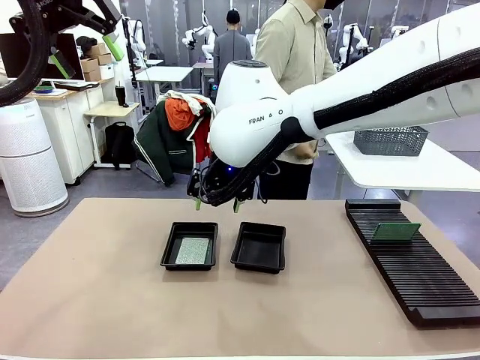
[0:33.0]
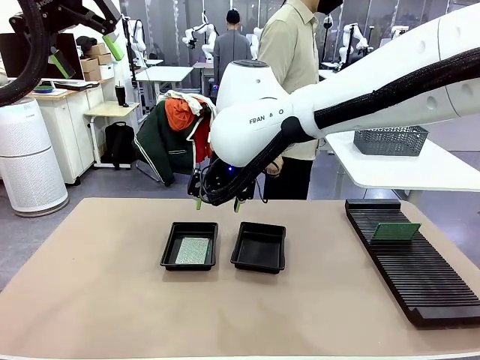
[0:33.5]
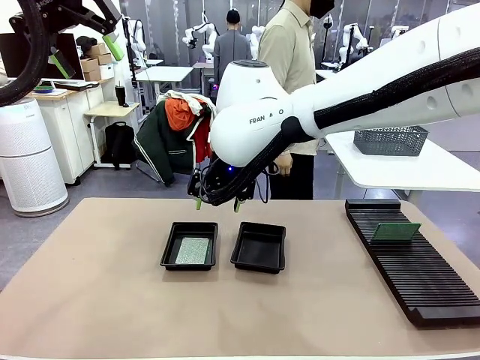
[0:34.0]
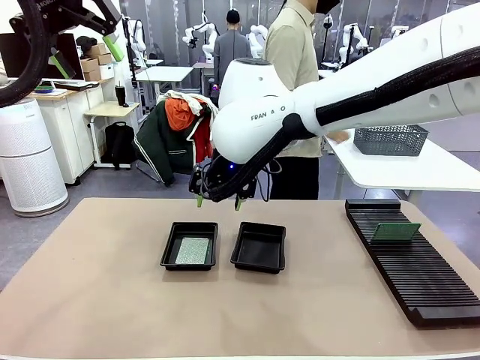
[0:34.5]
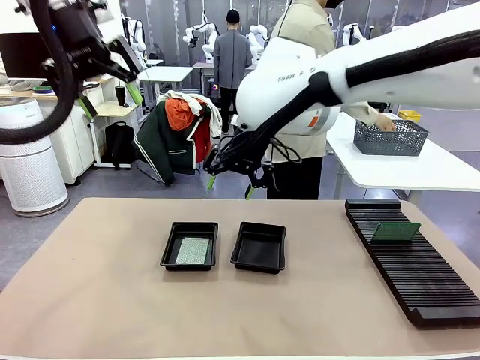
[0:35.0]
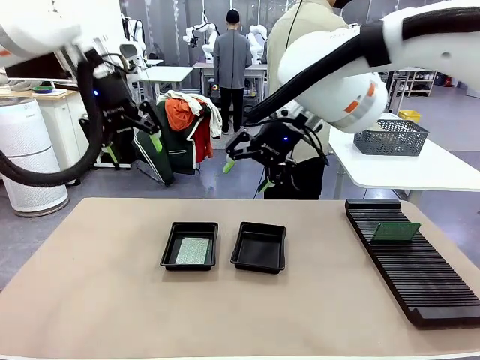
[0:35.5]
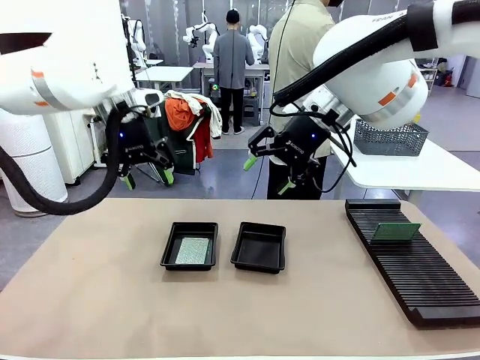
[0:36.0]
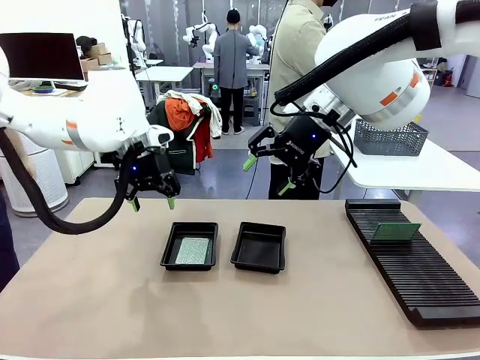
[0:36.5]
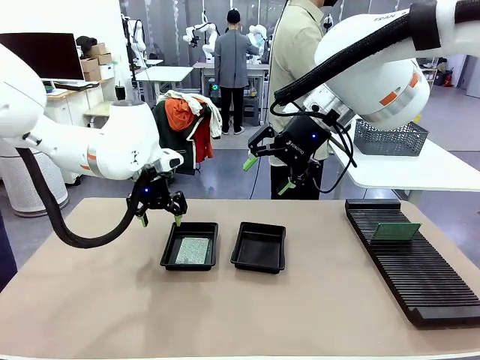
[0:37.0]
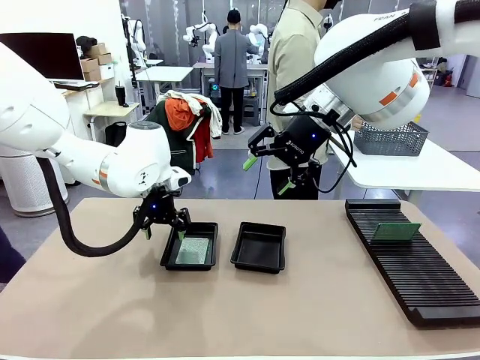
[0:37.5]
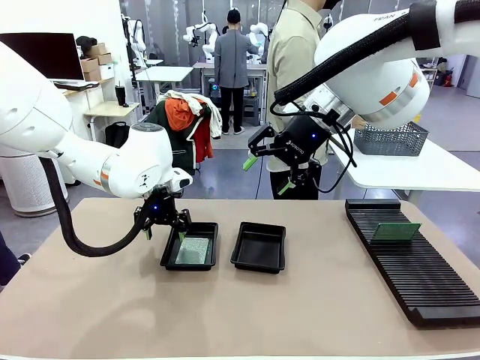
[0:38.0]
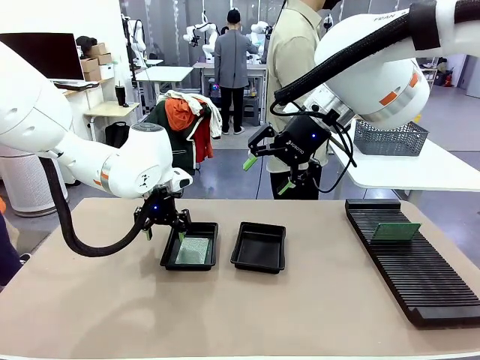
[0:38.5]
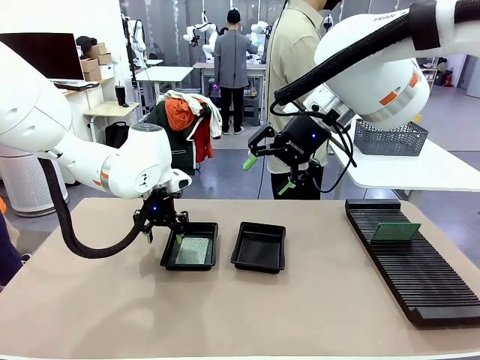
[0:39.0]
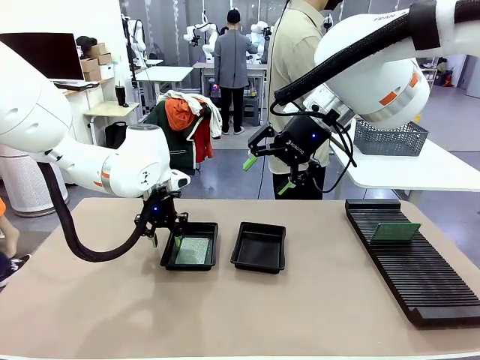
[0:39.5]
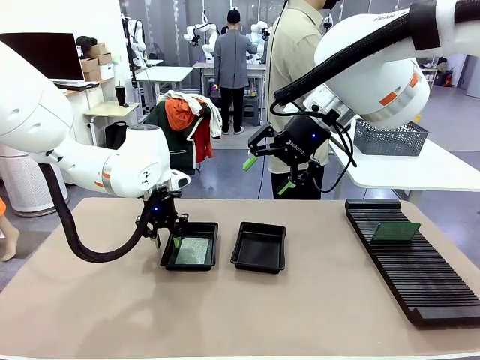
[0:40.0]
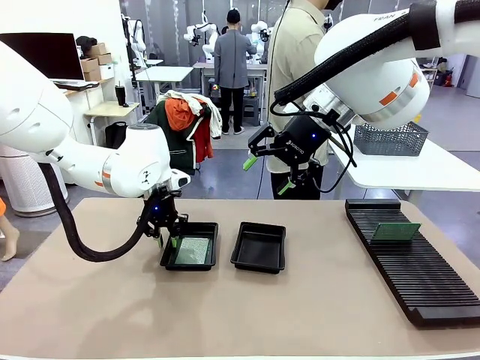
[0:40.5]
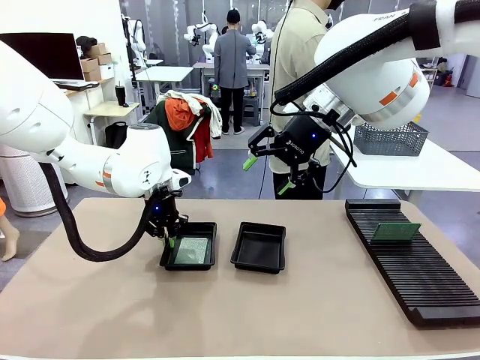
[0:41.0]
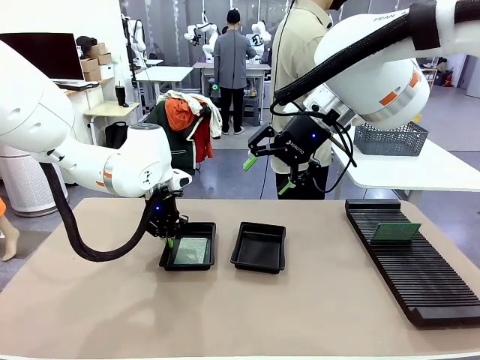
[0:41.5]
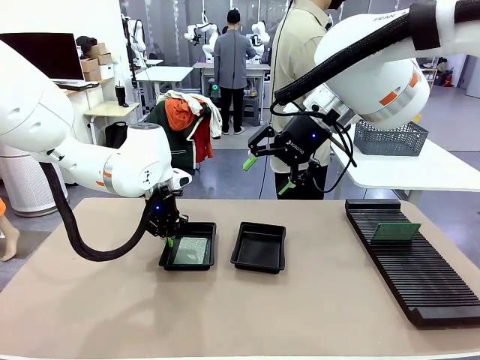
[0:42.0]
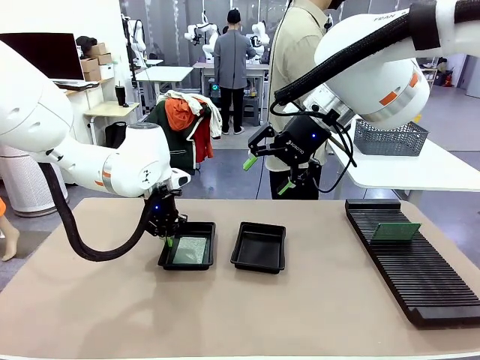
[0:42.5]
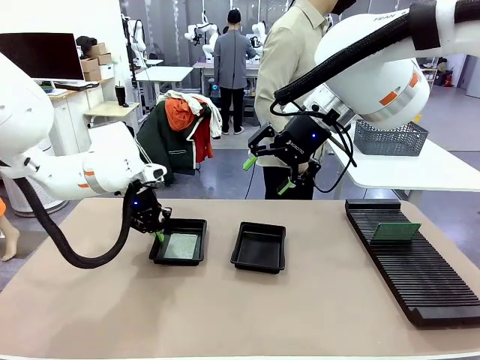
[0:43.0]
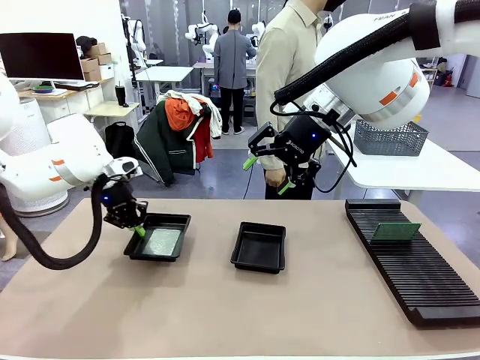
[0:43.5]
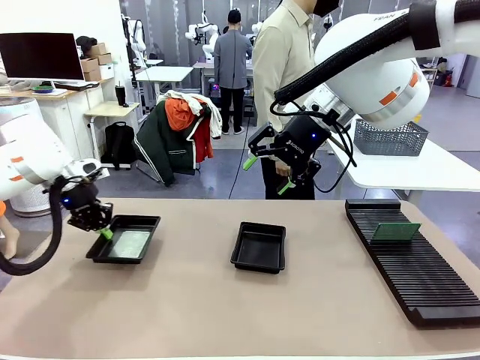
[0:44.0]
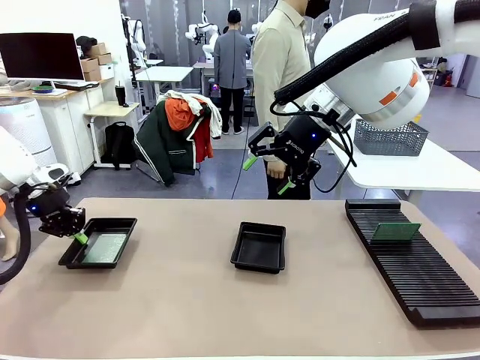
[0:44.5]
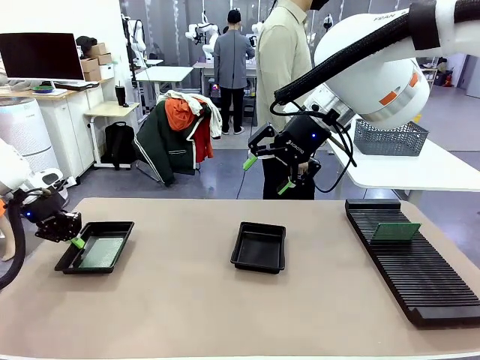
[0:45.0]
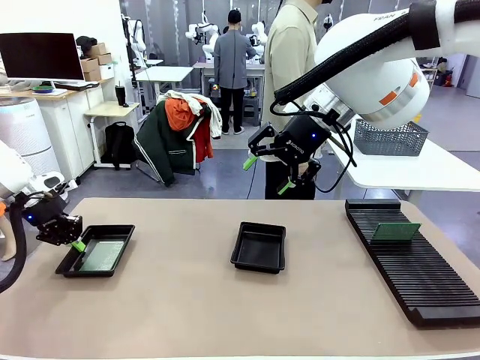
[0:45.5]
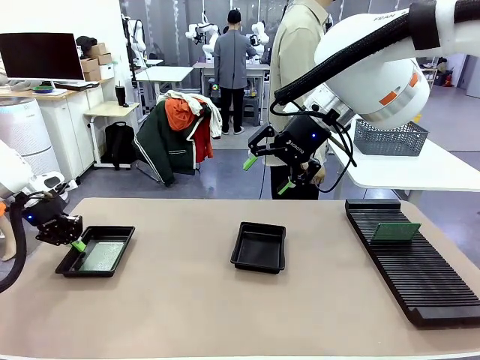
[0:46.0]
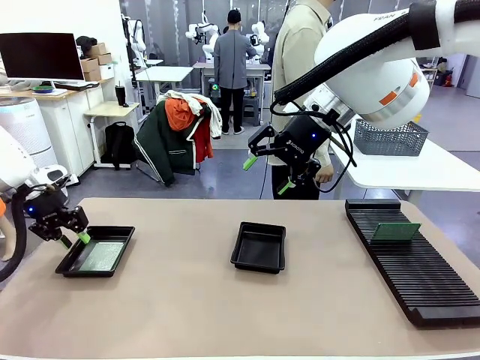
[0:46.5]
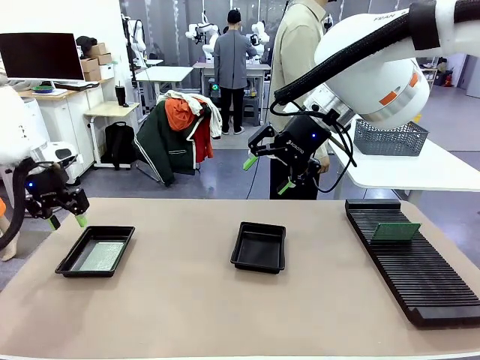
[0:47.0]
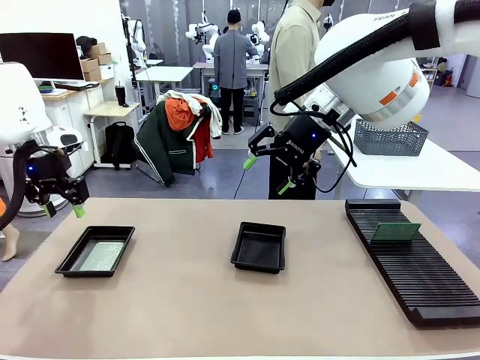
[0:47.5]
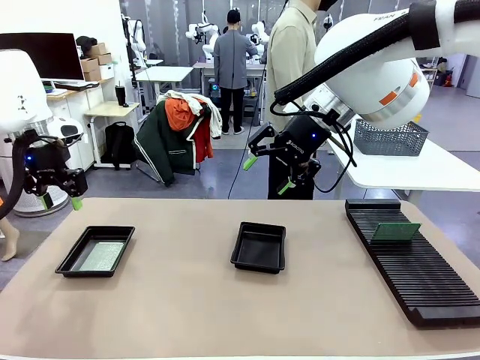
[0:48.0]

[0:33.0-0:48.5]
Task: Inspect and transfer BCBs to ESD trays.
Robot: Pick up the ESD tray and place it on the left side of the table.

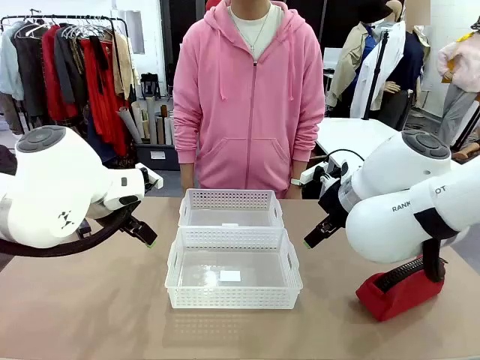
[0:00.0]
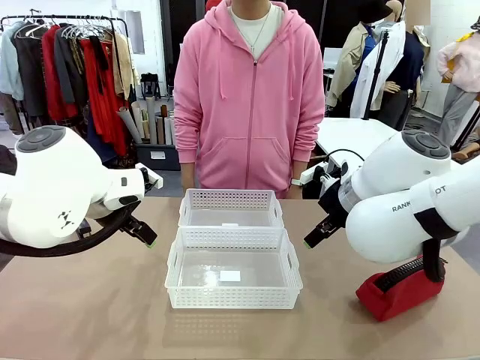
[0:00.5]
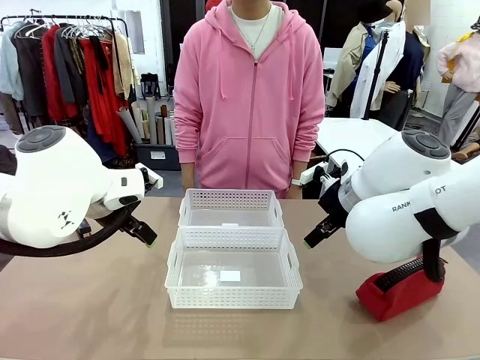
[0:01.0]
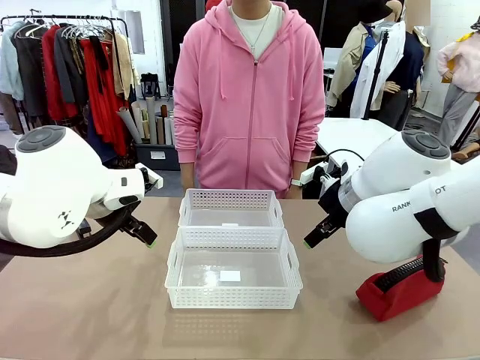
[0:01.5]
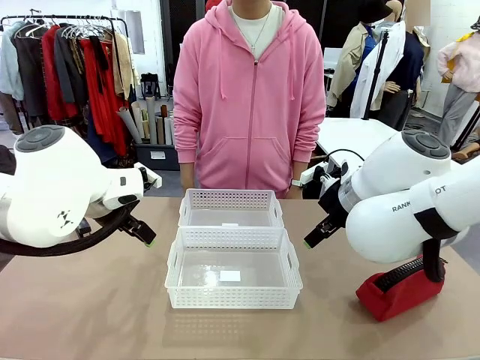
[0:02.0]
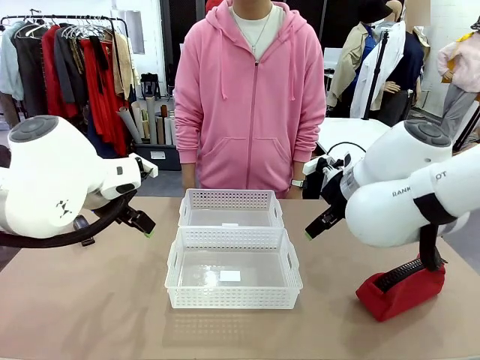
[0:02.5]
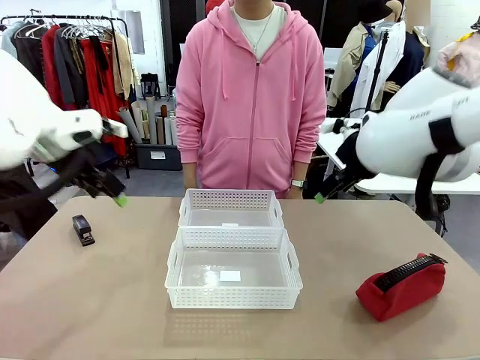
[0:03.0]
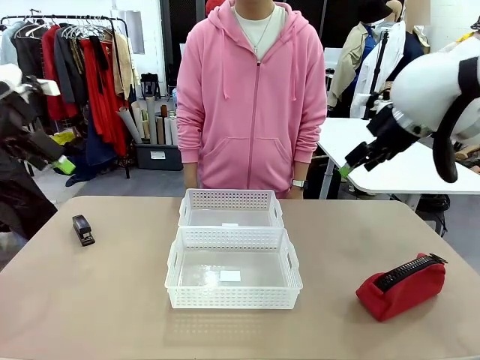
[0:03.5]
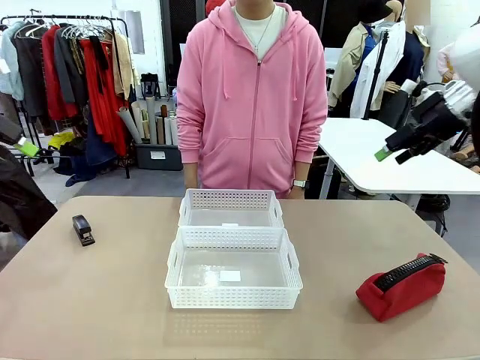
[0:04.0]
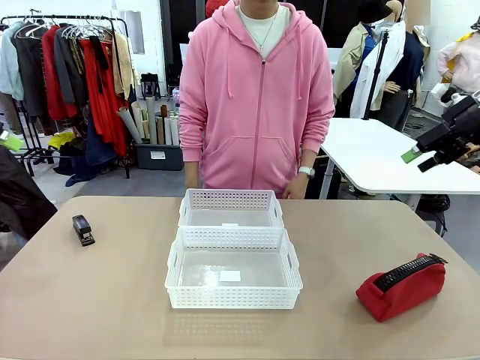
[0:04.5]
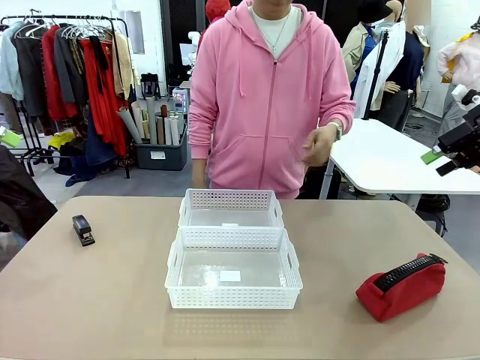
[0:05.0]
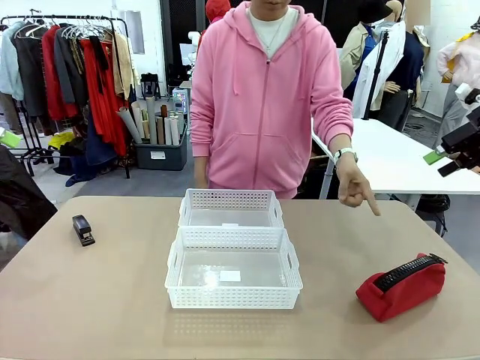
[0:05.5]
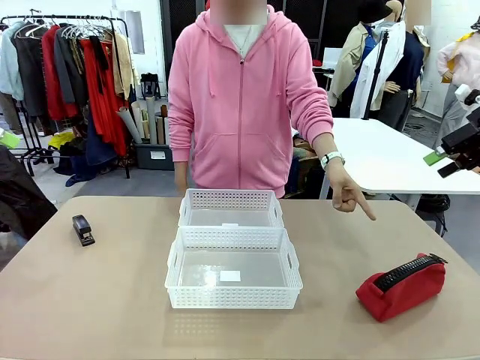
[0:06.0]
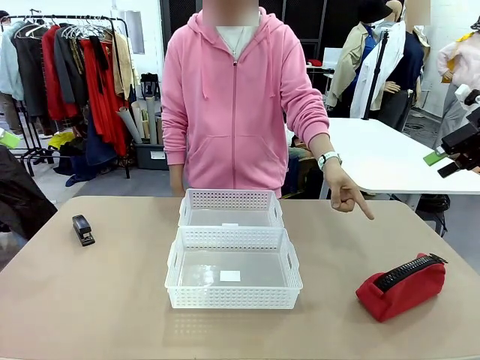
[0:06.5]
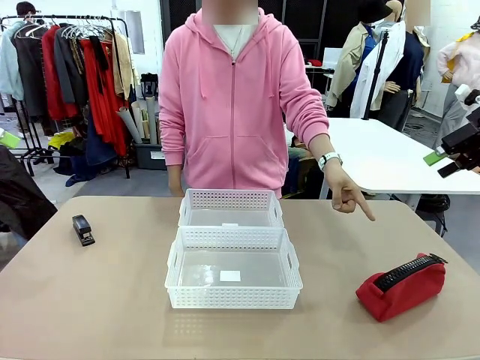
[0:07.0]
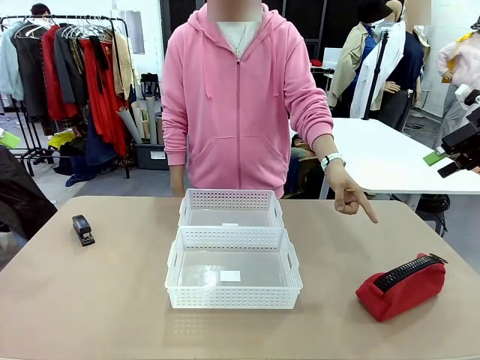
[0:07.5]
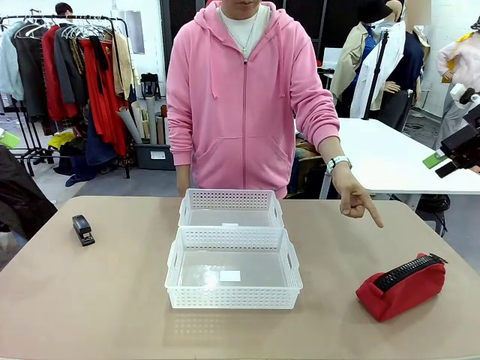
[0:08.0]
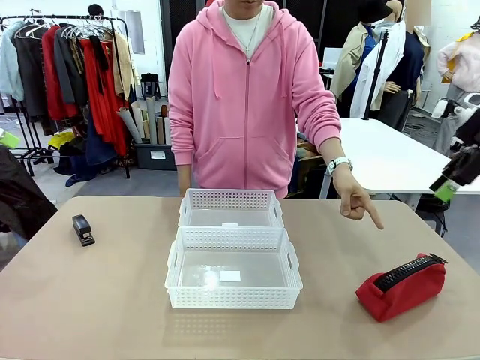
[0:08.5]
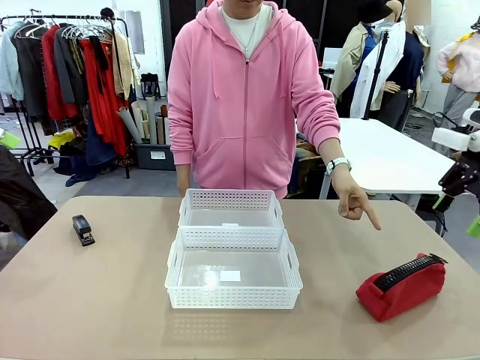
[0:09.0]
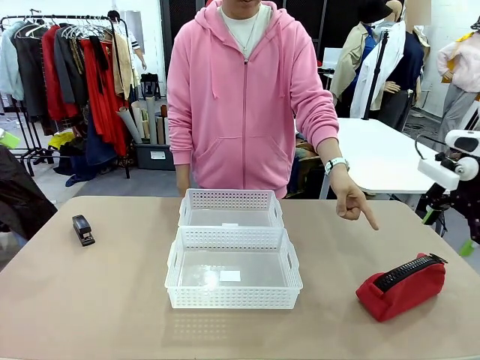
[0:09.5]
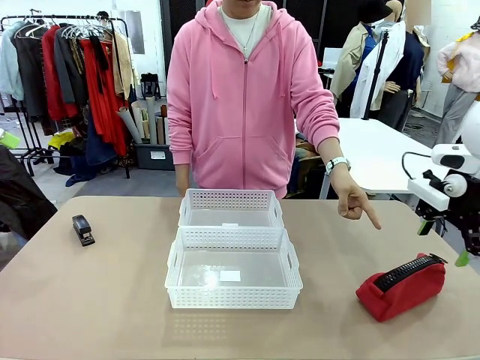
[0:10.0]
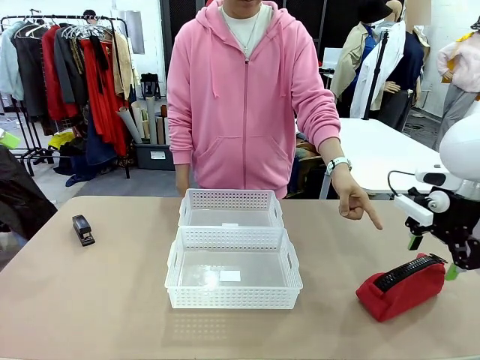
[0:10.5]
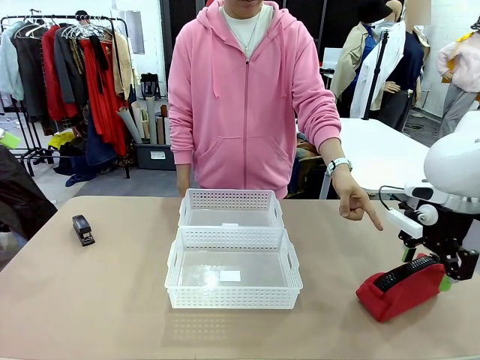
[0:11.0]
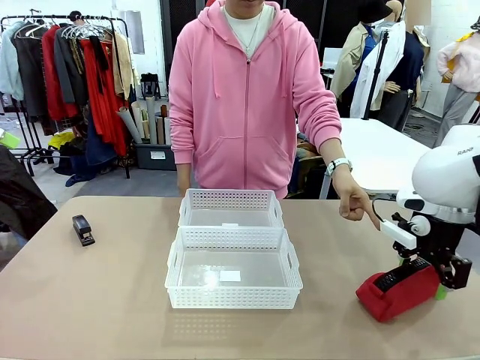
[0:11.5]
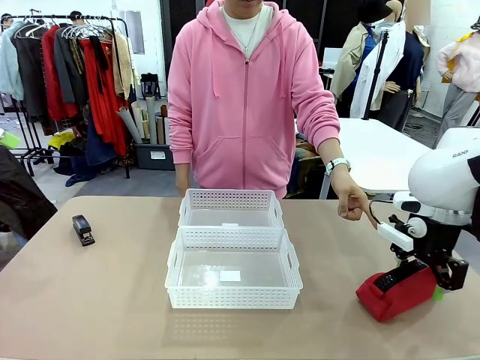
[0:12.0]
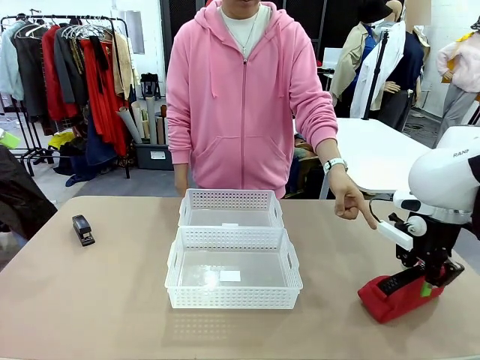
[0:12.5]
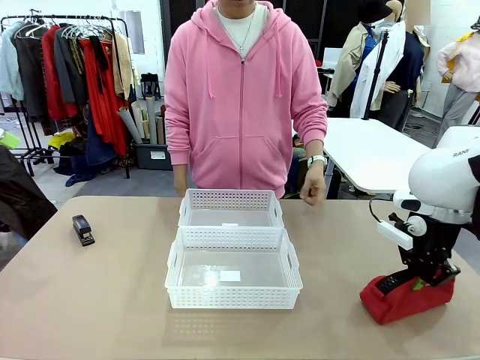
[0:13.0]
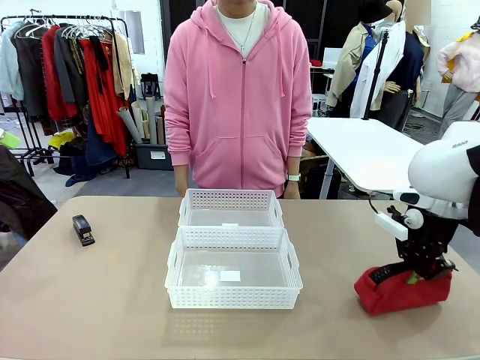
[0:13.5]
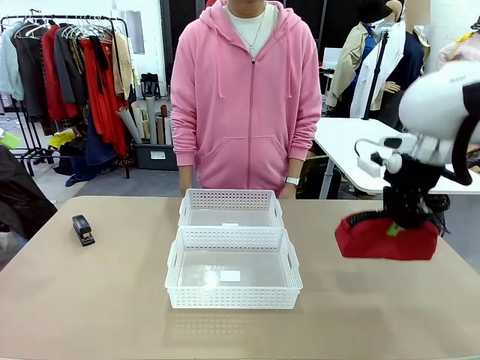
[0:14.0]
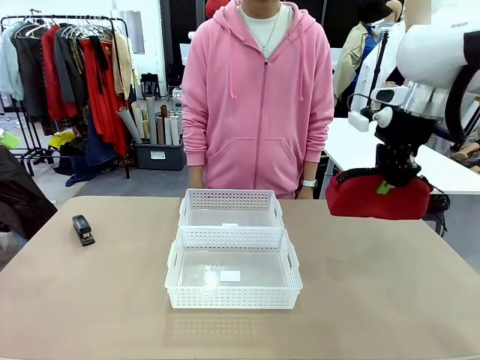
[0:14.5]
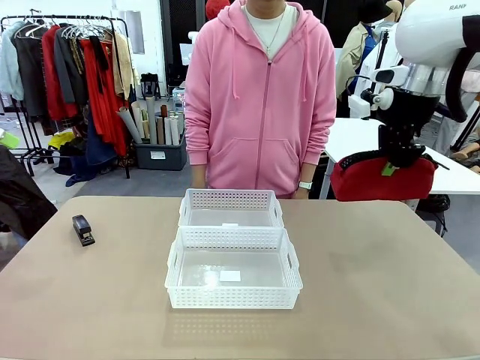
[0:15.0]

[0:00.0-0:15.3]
Task: Distribute items into two baskets.
Robot: Pick up the Pencil pouch that the person points to.
Person: Points to the pencil case. Points between the two organizing baskets and instructs the robot to move the pencil case.
